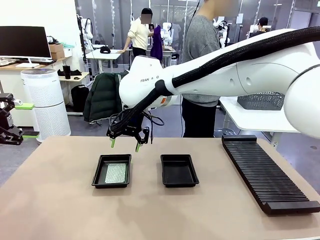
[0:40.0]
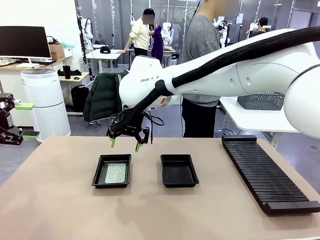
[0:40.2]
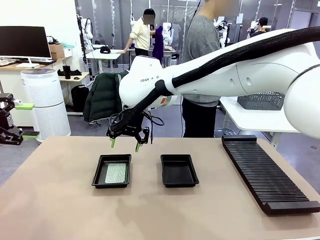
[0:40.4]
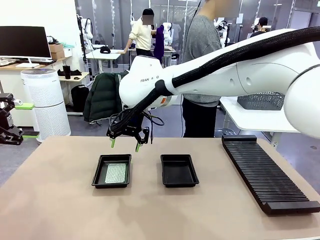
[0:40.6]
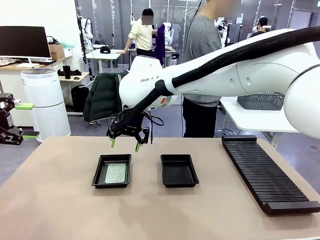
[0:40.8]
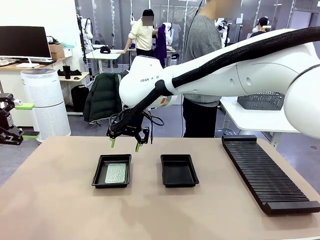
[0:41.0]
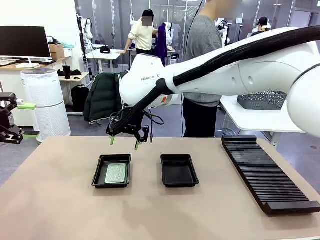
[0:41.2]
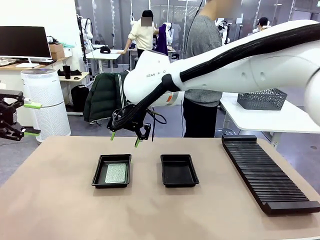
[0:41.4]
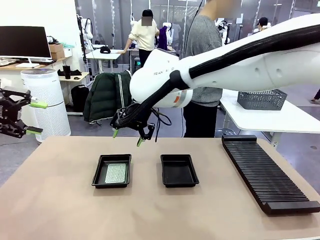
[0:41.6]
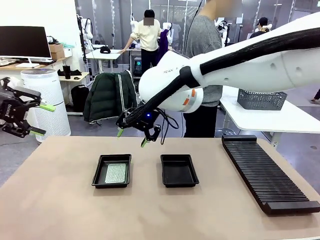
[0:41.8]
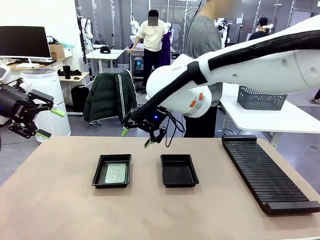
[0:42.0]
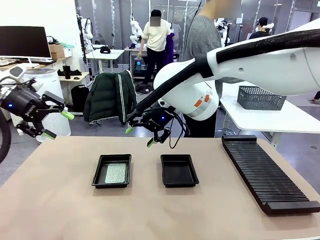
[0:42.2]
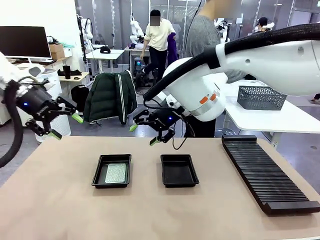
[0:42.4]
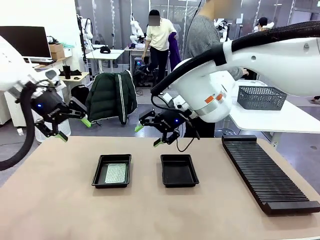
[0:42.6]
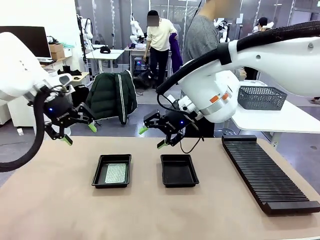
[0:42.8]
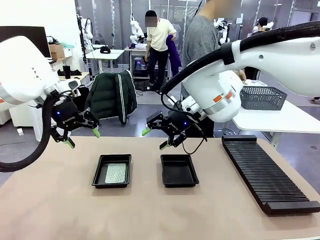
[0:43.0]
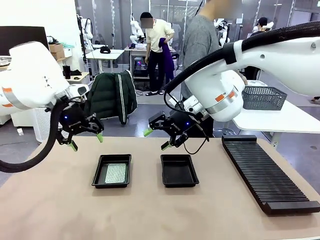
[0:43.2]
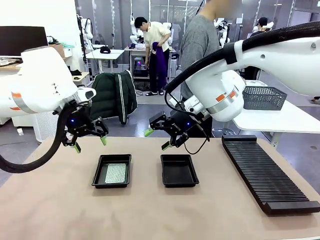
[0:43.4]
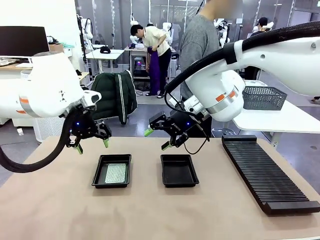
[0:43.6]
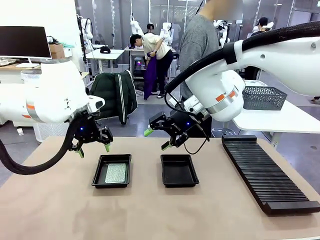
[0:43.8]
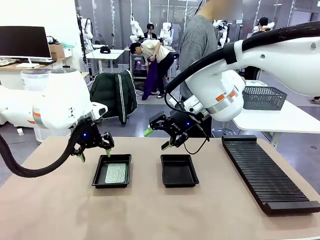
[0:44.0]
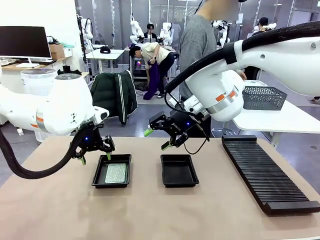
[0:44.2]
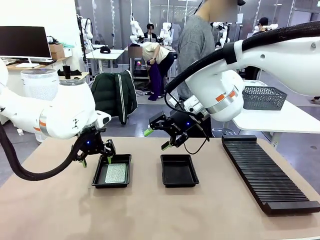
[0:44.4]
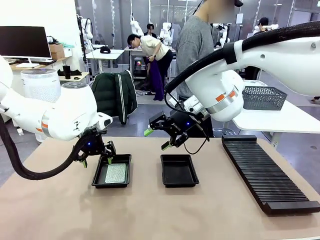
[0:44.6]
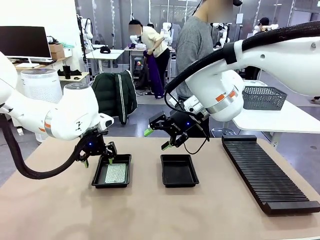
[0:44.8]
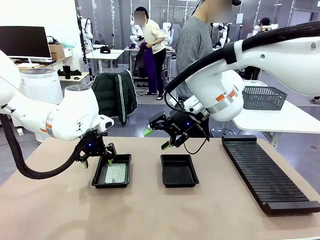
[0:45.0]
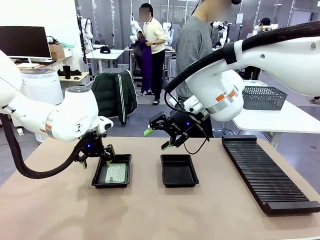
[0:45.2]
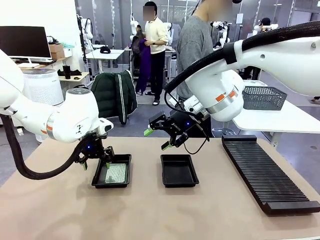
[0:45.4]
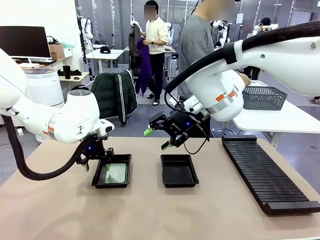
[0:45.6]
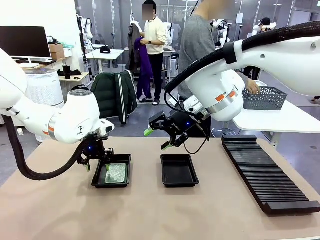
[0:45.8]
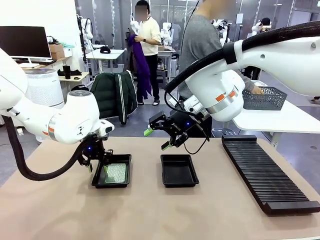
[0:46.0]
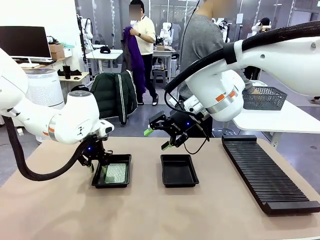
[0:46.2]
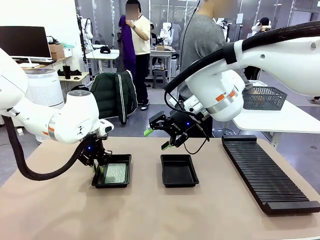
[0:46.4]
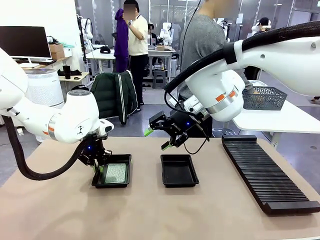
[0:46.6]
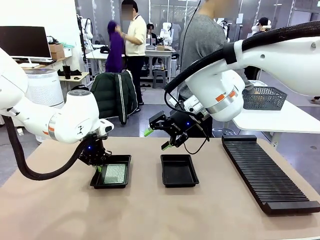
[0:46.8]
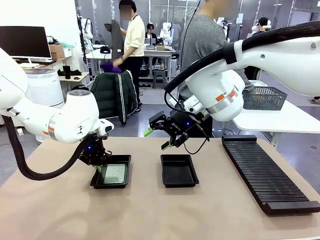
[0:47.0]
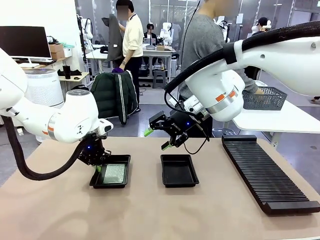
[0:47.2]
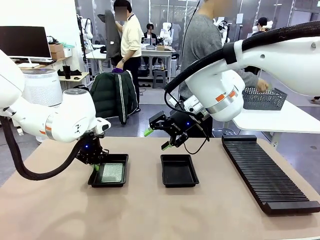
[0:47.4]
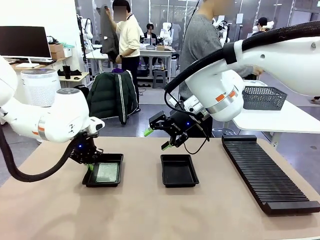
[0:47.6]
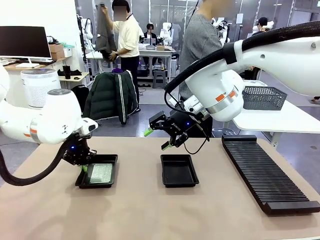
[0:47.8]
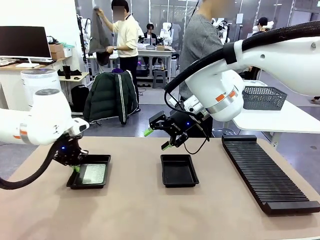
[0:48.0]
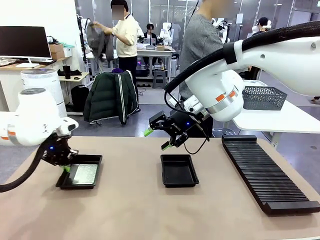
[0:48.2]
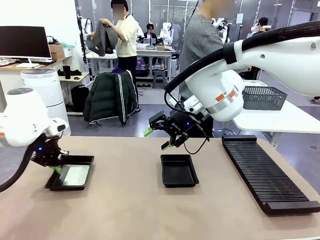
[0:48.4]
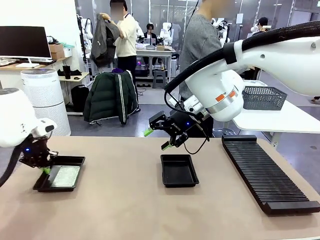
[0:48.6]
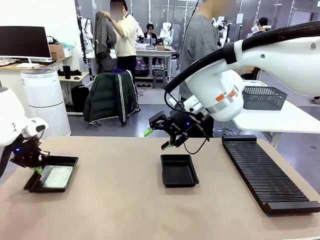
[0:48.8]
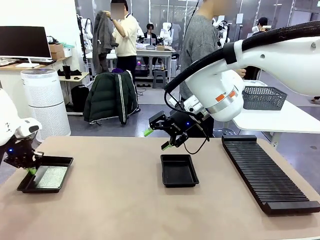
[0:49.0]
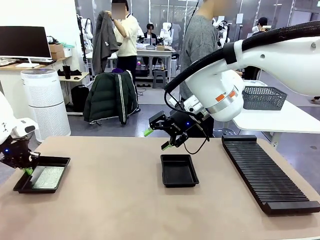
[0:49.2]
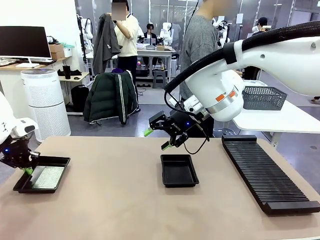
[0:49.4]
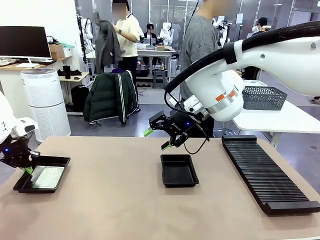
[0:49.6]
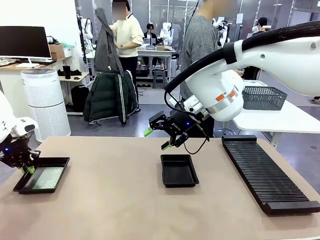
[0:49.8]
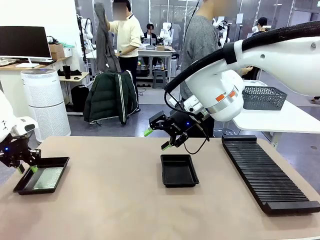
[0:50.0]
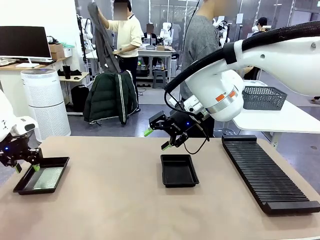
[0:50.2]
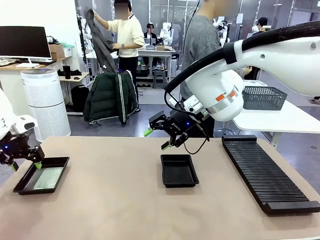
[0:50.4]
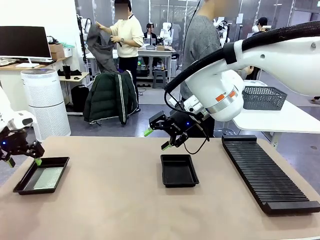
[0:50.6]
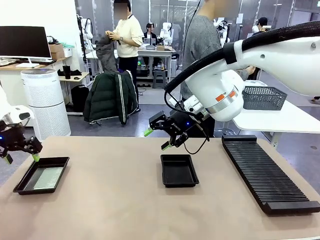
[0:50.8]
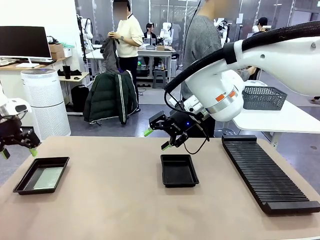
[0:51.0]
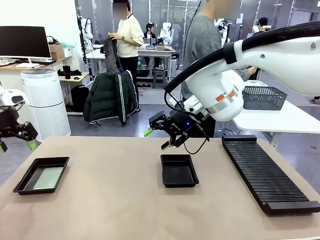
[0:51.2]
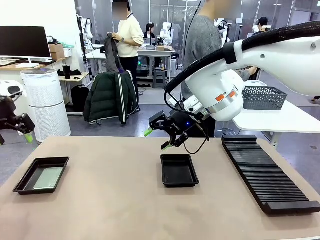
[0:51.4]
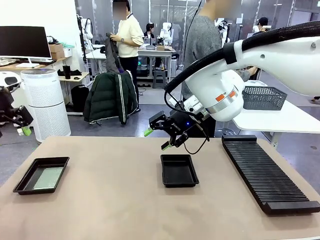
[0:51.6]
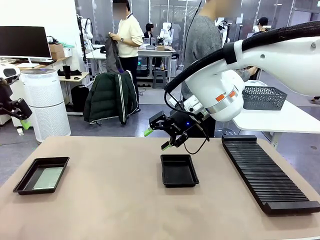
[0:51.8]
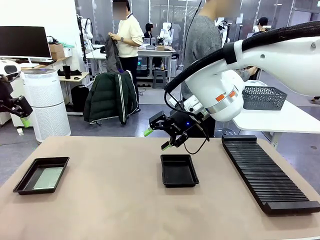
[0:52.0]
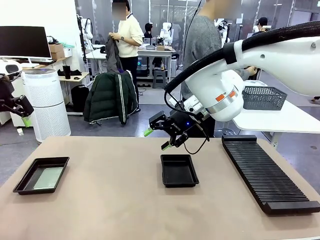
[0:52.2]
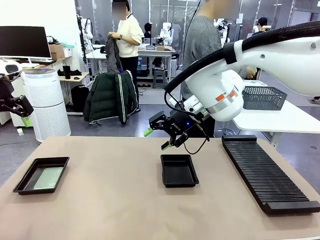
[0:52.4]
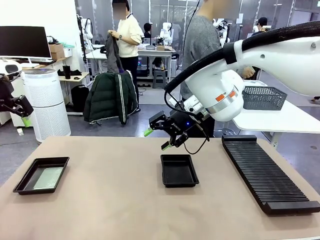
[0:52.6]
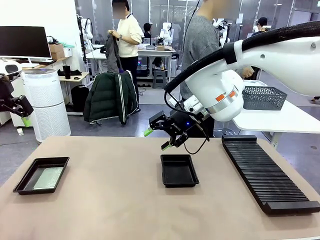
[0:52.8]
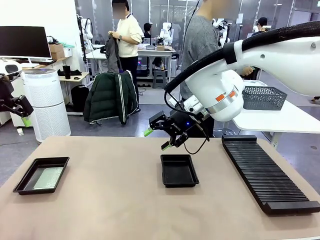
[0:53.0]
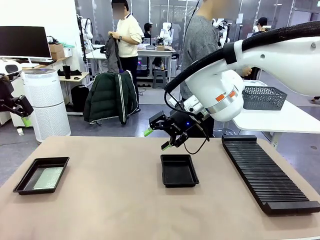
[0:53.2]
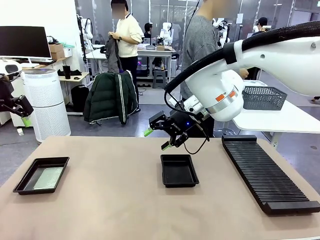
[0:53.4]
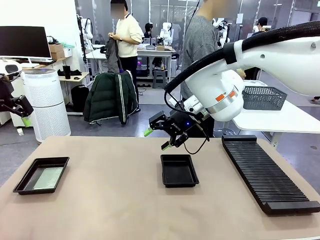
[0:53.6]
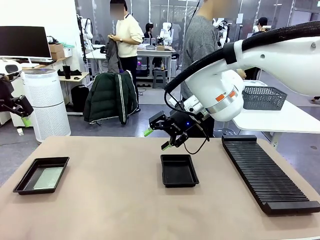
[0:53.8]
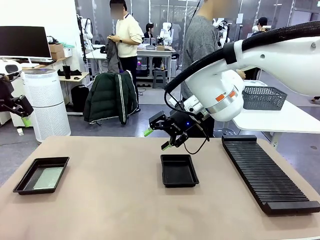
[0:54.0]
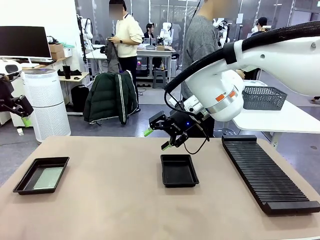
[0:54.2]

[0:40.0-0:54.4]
Task: Inspect and transfer BCBs to ESD trays.
Robot: Pick up the ESD tray and place it on the left side of the table.

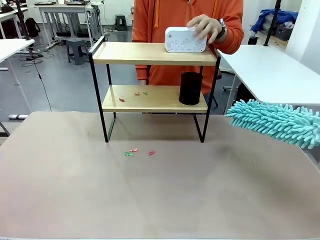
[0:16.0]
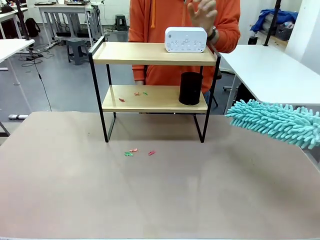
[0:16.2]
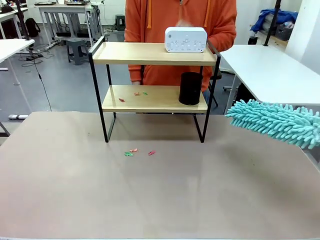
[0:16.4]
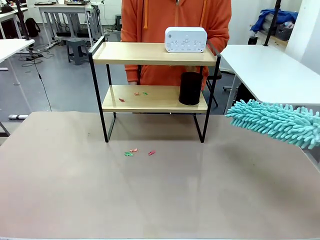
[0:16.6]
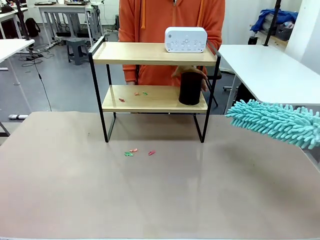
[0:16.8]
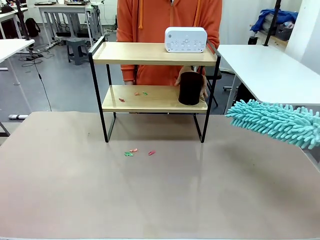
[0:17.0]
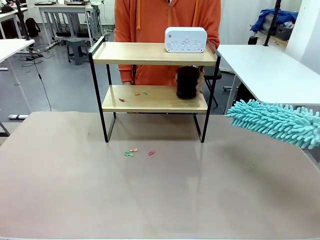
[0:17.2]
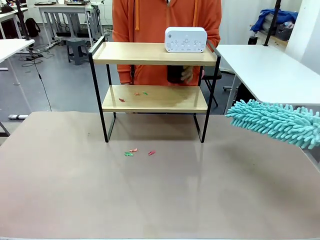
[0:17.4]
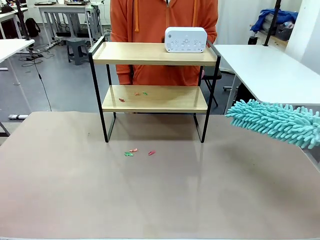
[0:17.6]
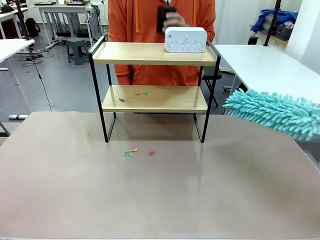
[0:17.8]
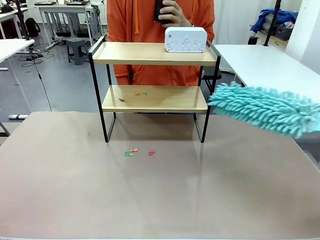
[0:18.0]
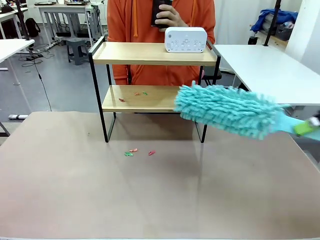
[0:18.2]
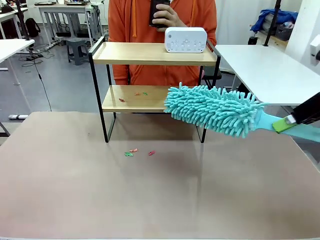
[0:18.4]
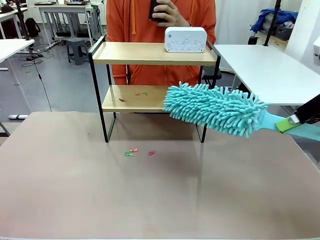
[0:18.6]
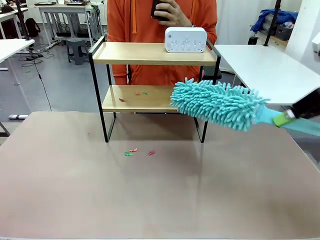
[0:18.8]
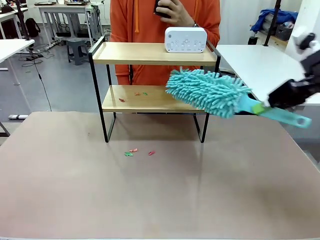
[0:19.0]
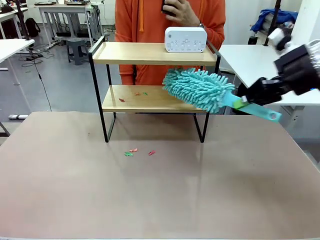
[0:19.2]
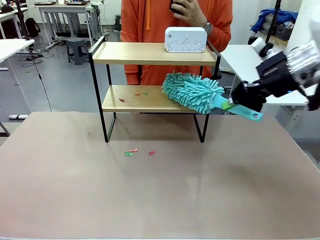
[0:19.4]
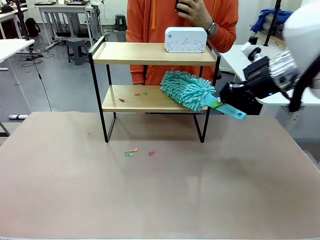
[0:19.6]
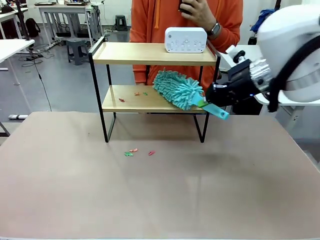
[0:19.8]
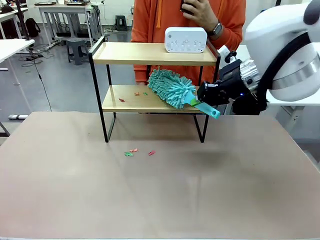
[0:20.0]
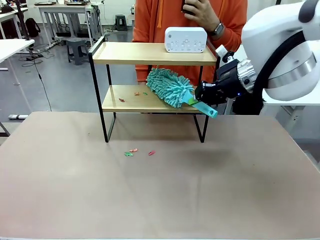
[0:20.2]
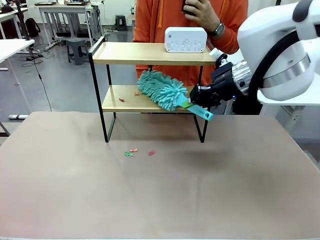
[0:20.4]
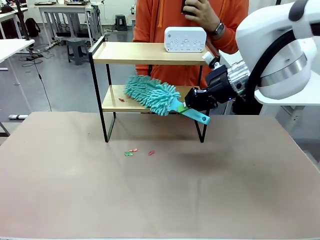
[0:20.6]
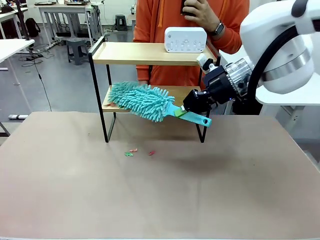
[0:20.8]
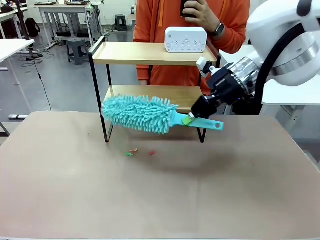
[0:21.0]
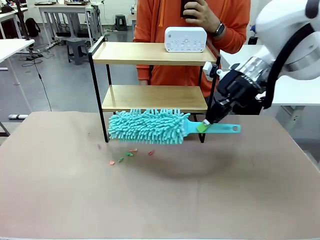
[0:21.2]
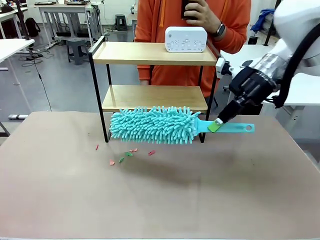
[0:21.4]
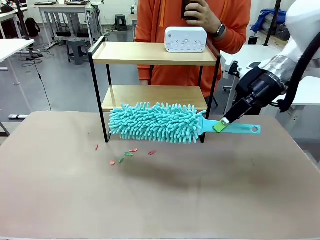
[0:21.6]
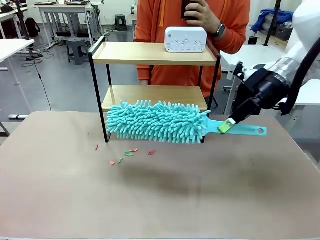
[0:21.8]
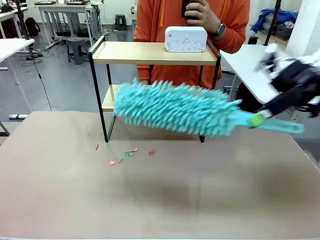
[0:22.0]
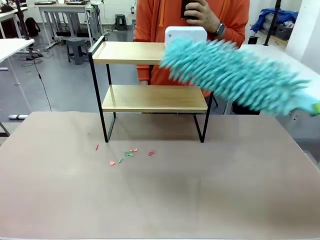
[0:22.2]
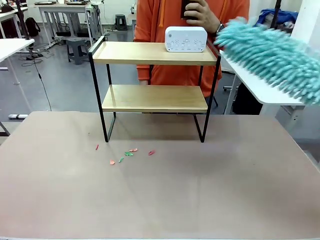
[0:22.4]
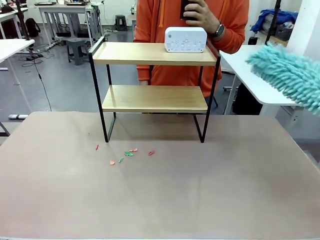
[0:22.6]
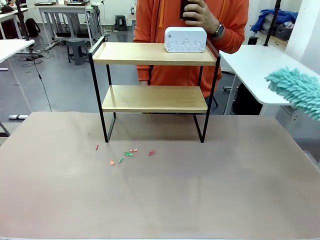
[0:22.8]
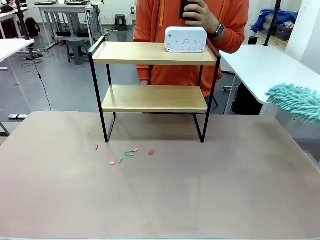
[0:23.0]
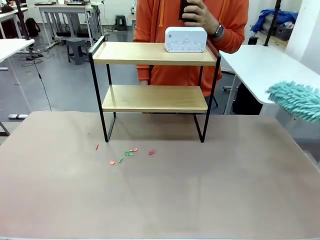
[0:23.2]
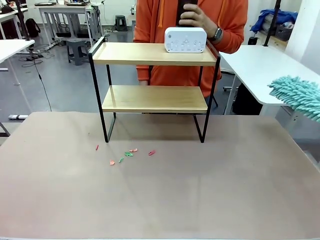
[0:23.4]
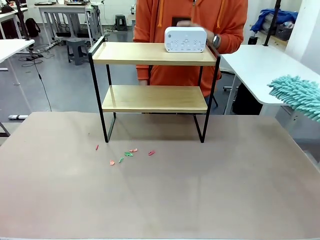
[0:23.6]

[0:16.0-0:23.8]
Task: Clean the shelf.
Robot: Clean the remaining tier of the Shelf with the Duster once objects are removed.
